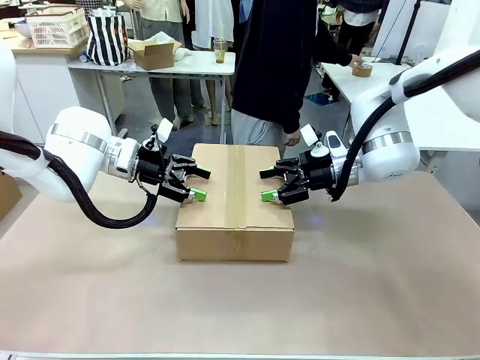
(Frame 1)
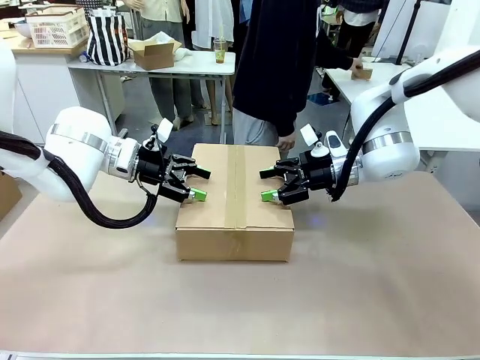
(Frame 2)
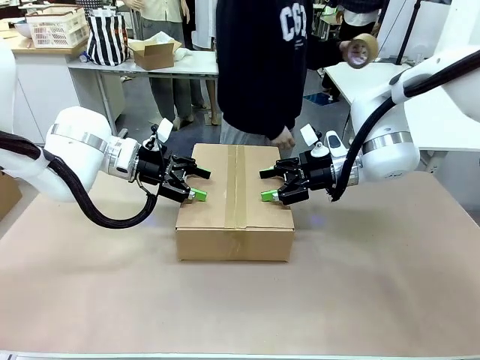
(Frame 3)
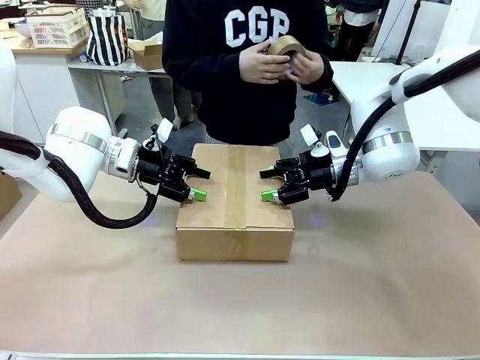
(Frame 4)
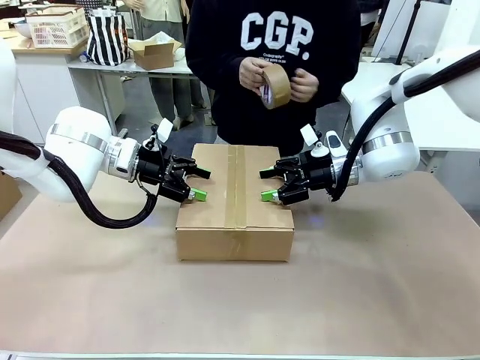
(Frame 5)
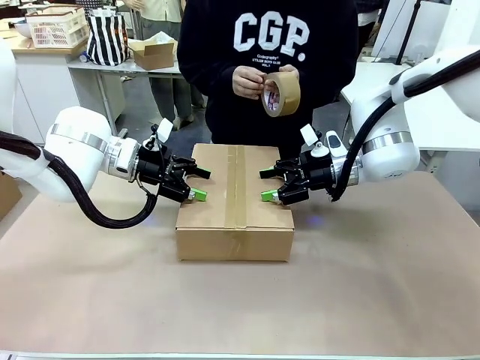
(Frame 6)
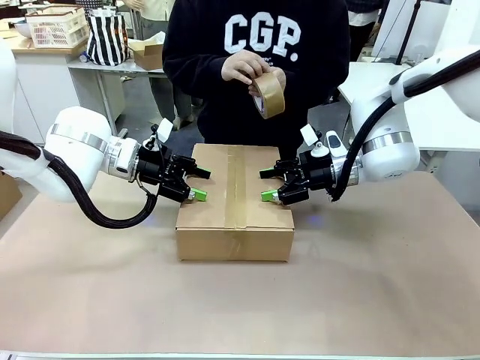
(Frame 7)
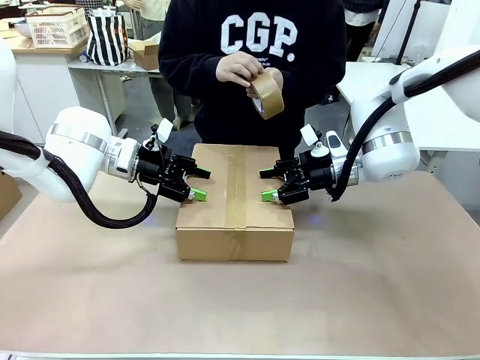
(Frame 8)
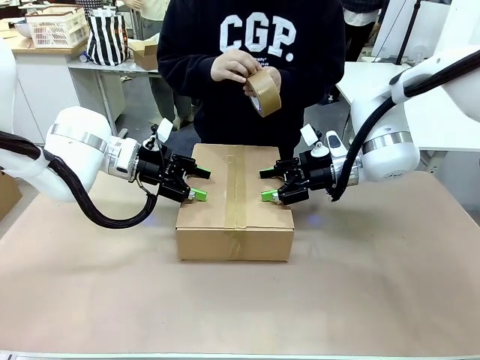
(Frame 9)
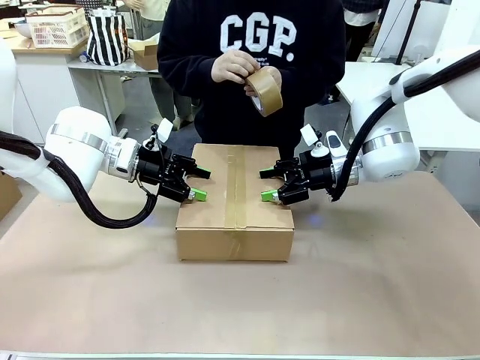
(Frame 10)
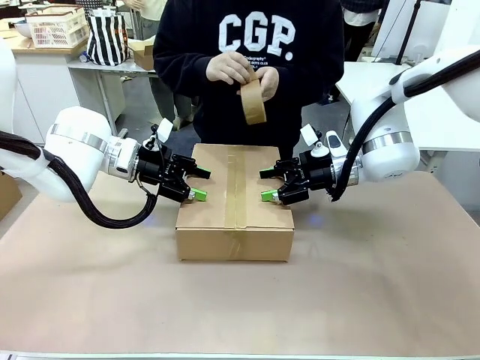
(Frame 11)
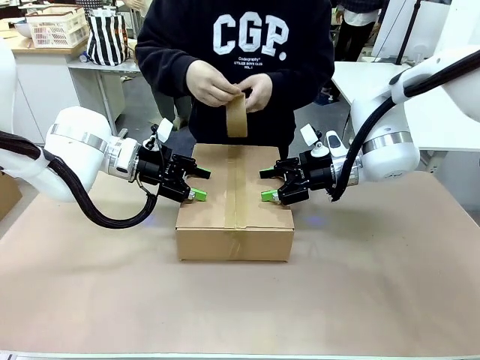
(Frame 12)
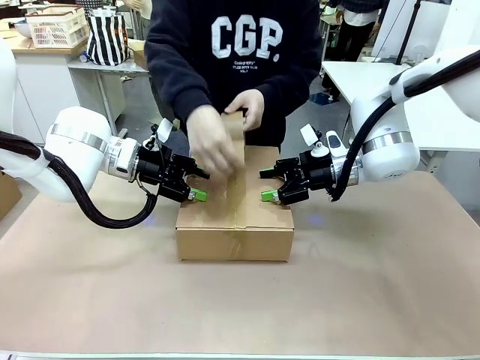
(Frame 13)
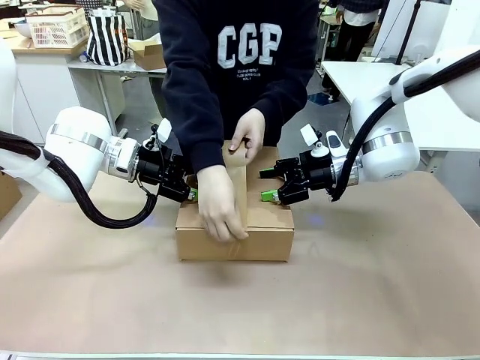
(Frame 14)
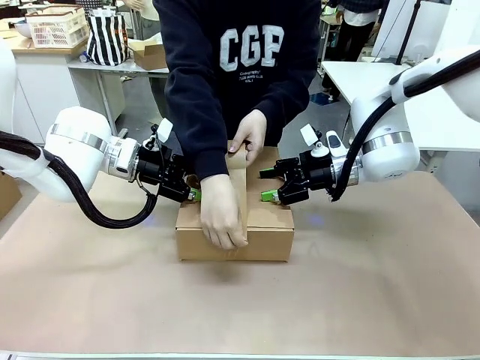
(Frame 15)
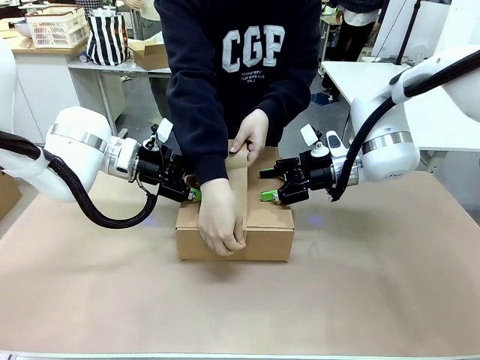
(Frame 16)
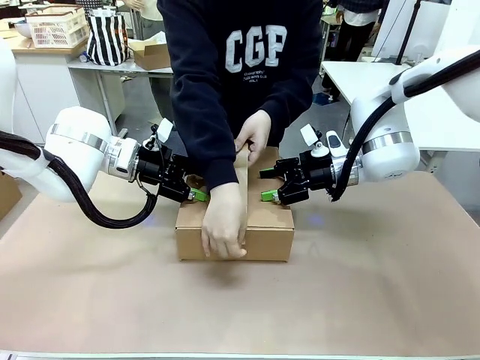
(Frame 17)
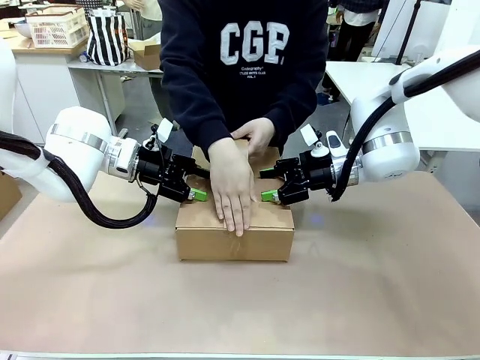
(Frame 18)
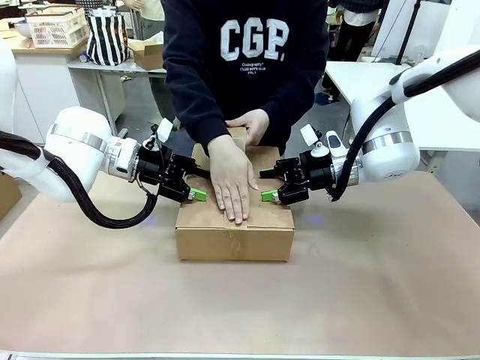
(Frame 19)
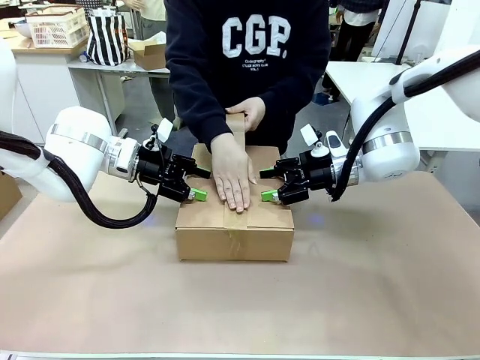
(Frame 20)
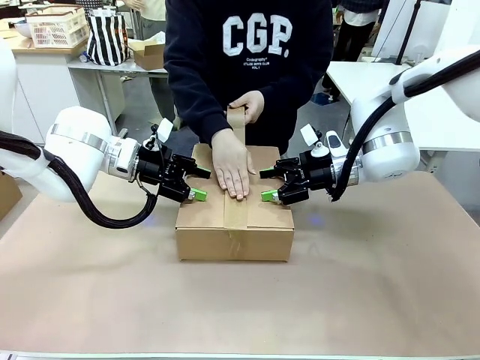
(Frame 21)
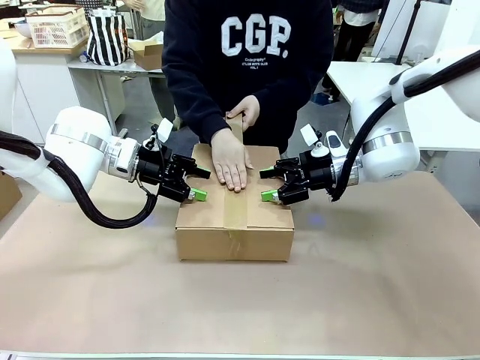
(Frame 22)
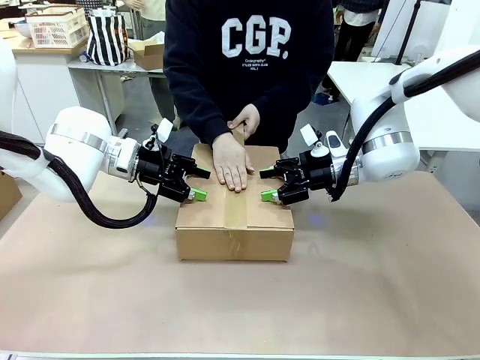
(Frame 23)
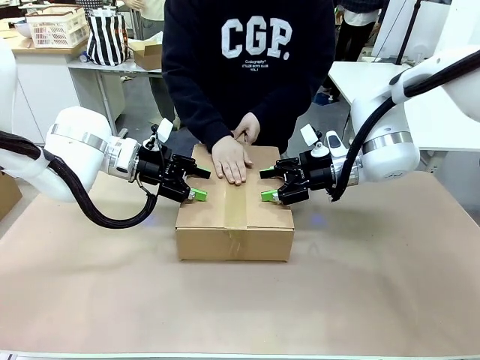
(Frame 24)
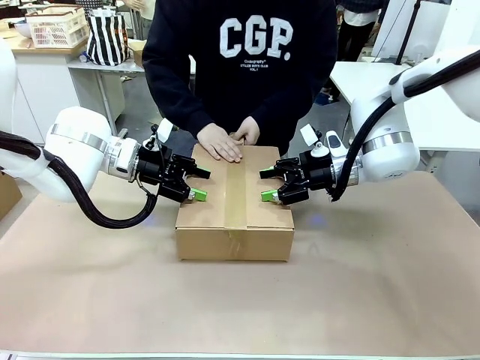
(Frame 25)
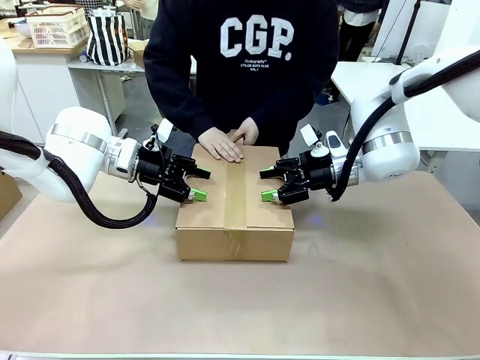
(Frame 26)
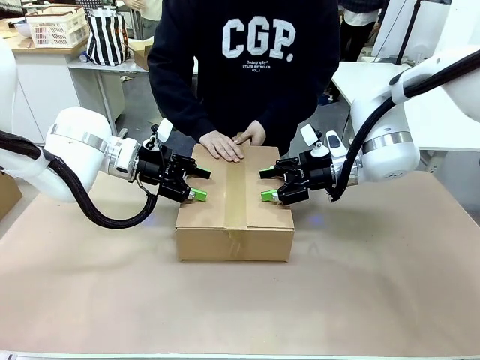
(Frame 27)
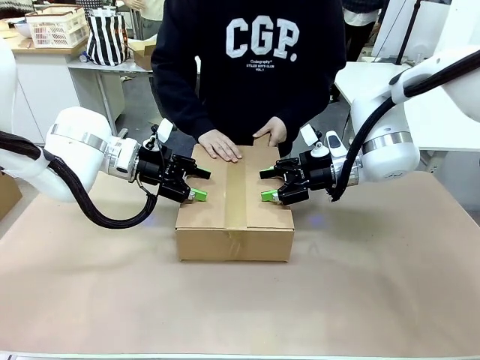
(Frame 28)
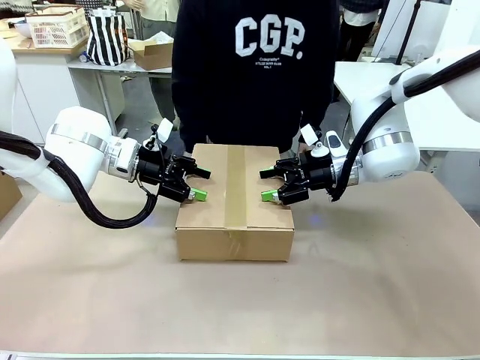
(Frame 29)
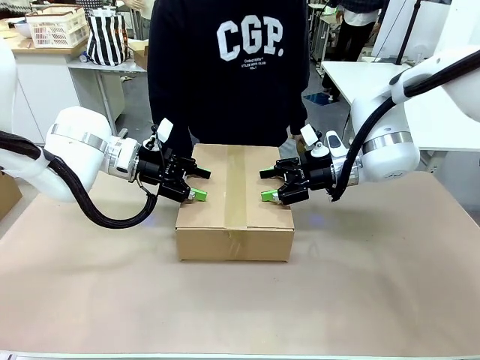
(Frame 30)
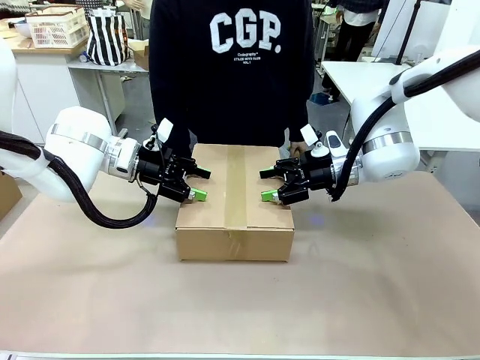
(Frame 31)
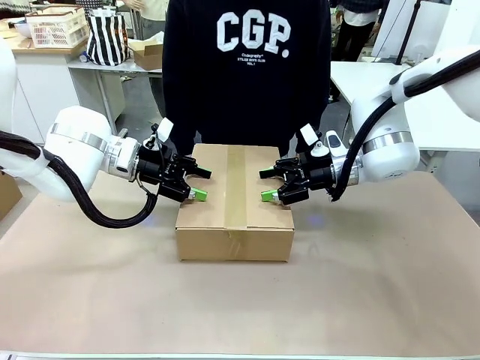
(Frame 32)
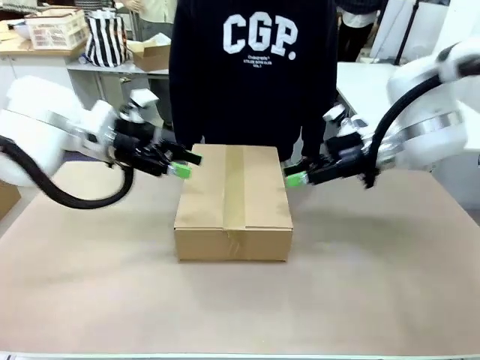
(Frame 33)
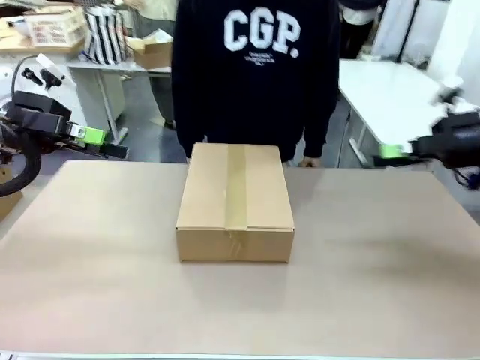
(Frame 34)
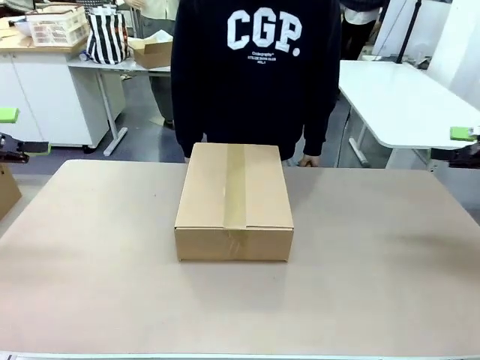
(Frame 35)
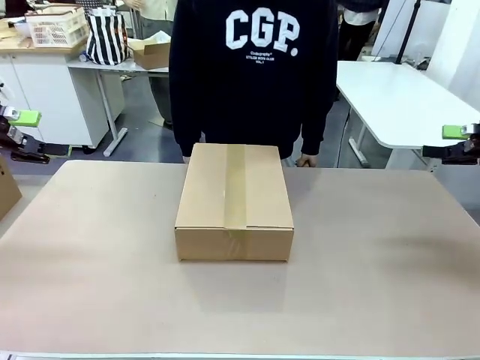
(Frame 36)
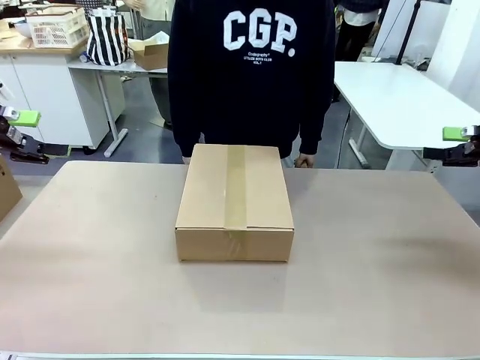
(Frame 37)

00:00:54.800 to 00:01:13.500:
Task: Pack the gift set into the box.
Robot: Press and hold the closed box until the human finishes sealing it.
Person: The human picks up the paper tape from the human table and packs the box.
